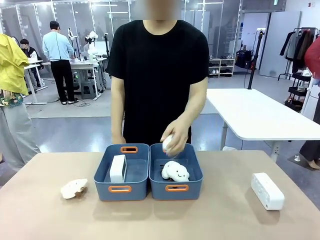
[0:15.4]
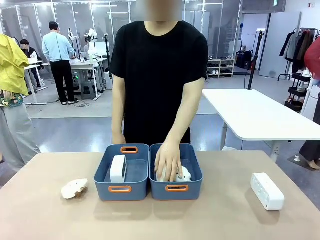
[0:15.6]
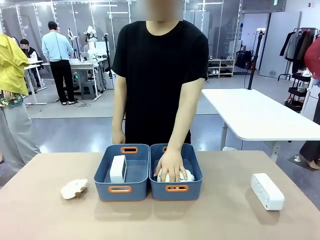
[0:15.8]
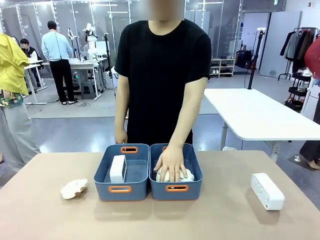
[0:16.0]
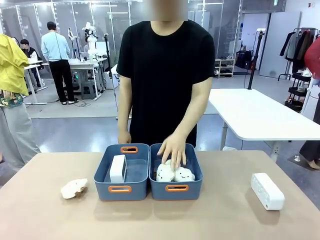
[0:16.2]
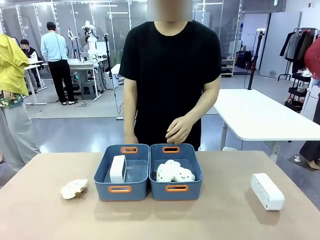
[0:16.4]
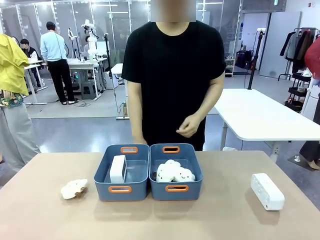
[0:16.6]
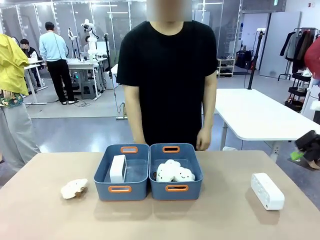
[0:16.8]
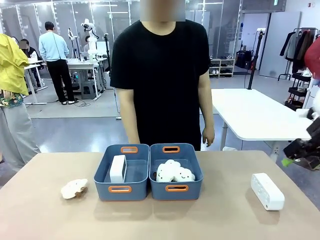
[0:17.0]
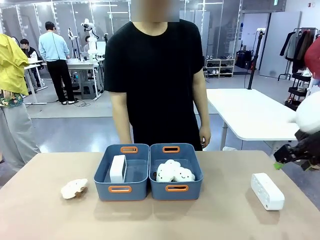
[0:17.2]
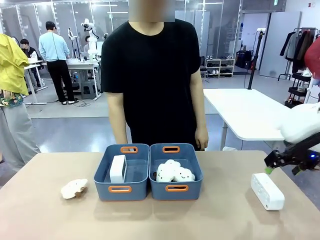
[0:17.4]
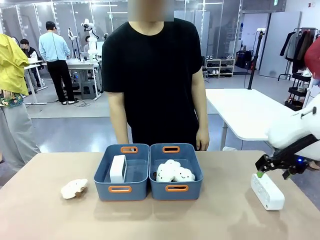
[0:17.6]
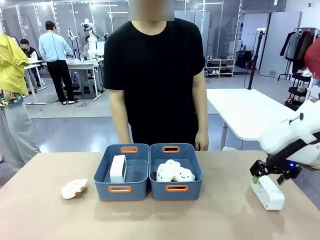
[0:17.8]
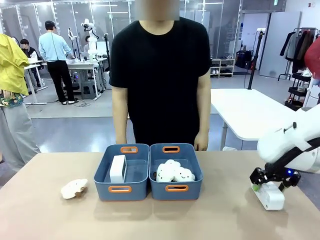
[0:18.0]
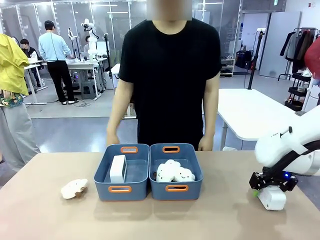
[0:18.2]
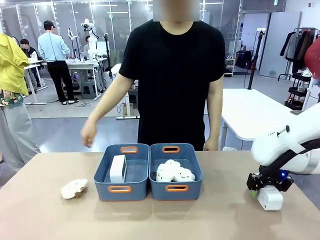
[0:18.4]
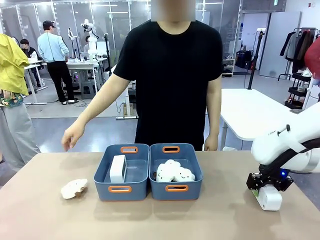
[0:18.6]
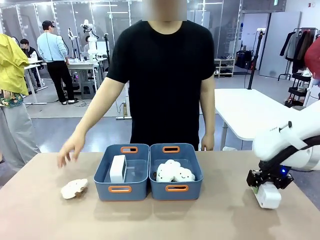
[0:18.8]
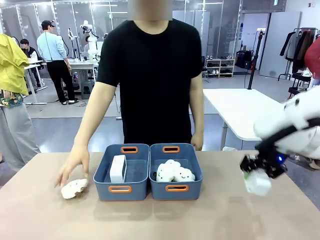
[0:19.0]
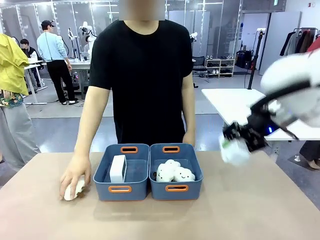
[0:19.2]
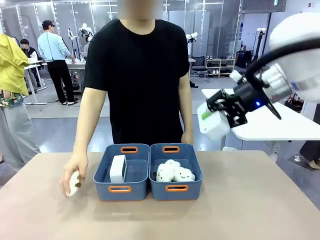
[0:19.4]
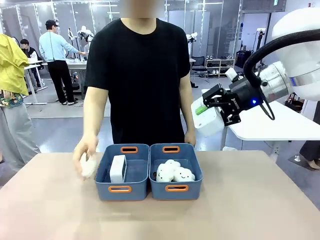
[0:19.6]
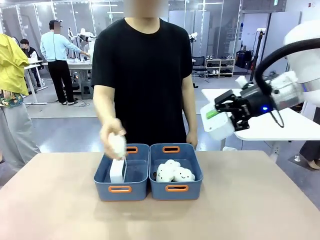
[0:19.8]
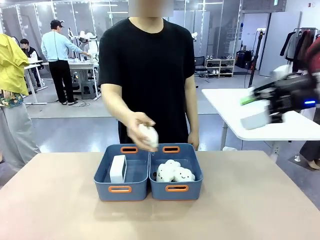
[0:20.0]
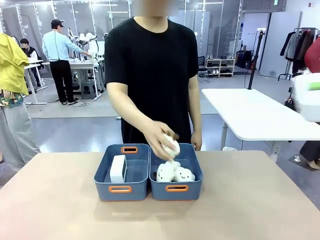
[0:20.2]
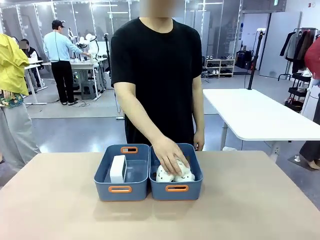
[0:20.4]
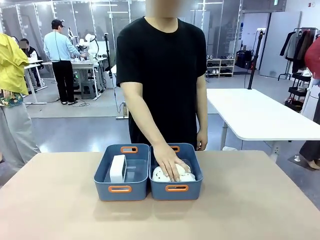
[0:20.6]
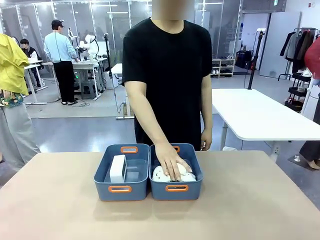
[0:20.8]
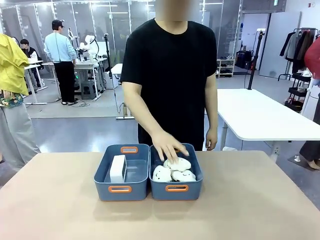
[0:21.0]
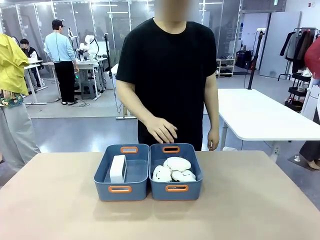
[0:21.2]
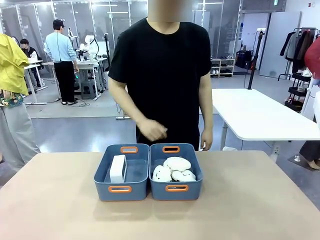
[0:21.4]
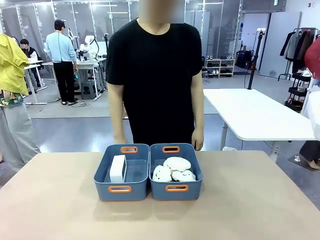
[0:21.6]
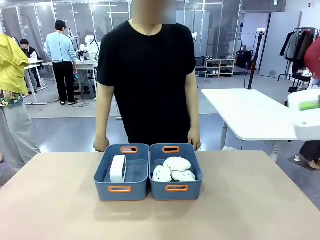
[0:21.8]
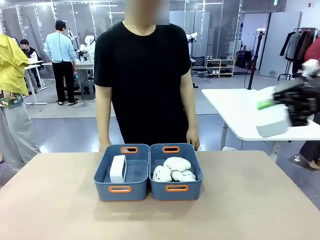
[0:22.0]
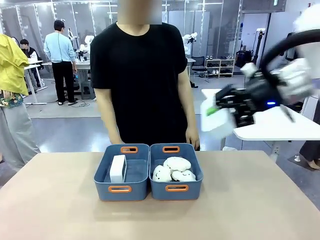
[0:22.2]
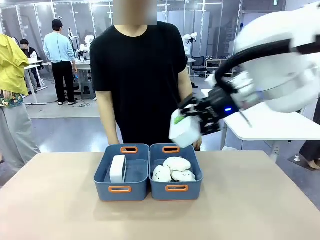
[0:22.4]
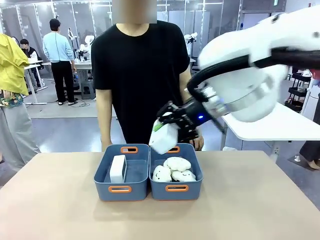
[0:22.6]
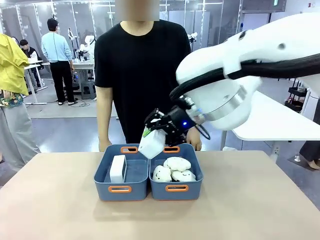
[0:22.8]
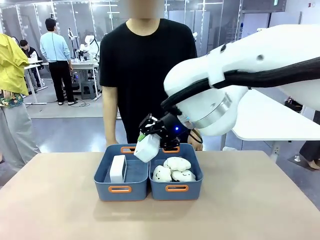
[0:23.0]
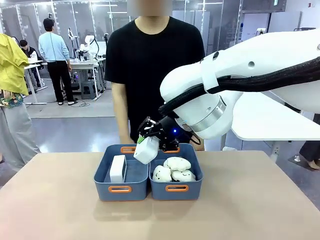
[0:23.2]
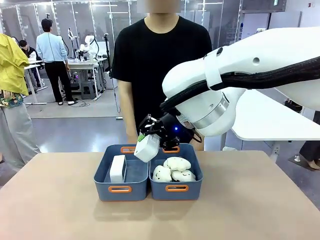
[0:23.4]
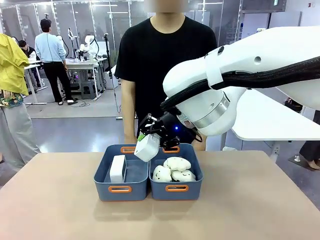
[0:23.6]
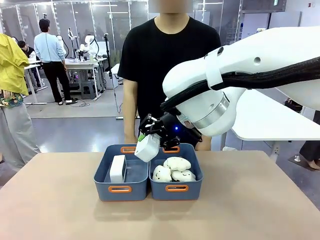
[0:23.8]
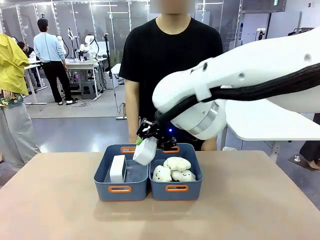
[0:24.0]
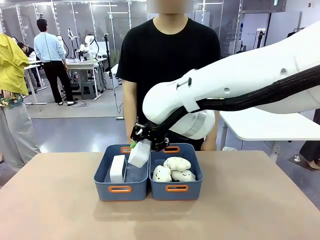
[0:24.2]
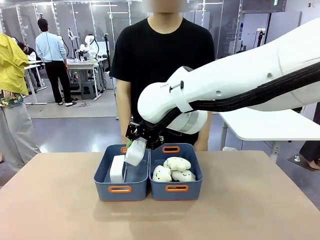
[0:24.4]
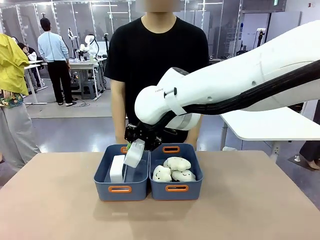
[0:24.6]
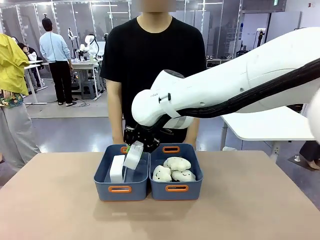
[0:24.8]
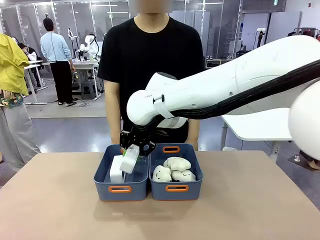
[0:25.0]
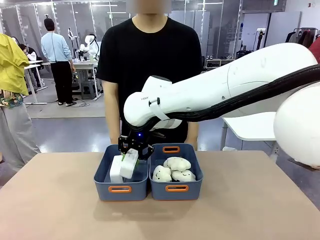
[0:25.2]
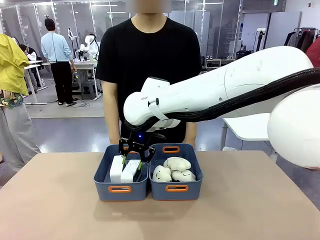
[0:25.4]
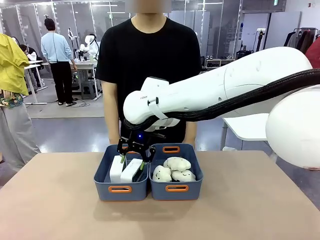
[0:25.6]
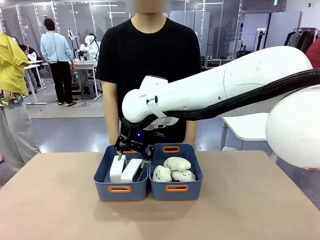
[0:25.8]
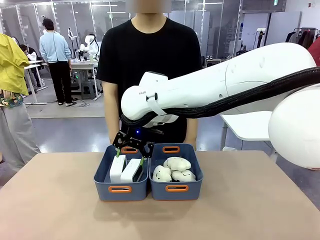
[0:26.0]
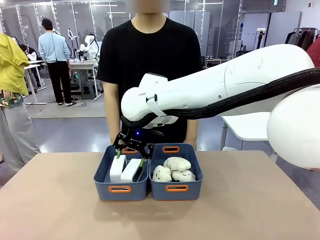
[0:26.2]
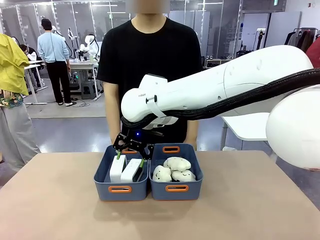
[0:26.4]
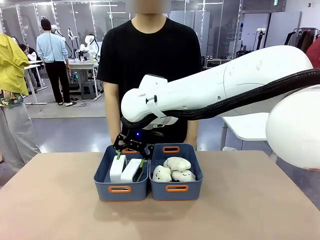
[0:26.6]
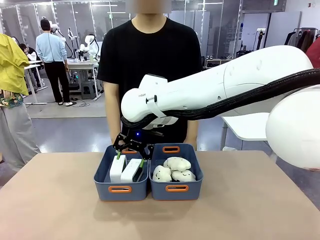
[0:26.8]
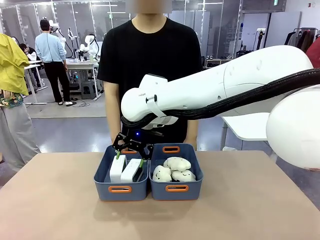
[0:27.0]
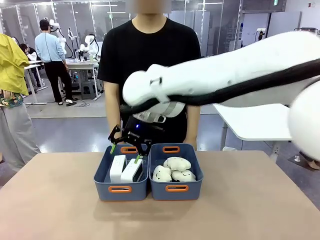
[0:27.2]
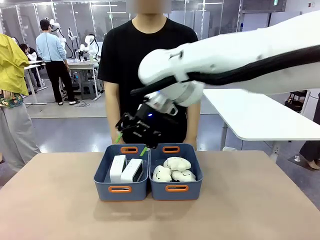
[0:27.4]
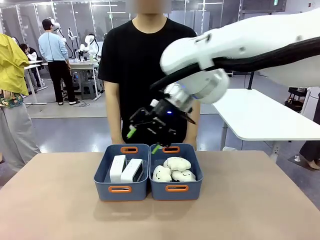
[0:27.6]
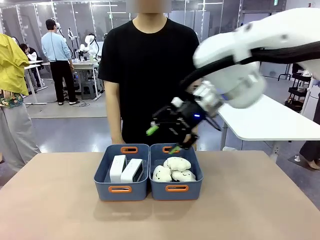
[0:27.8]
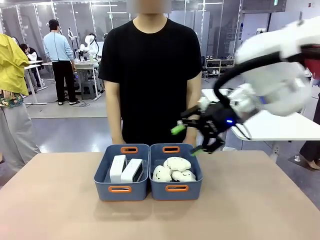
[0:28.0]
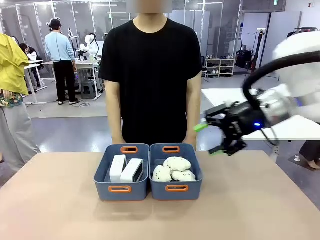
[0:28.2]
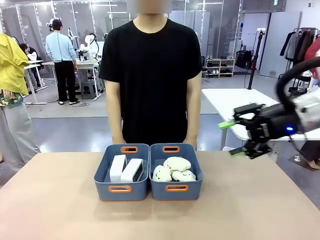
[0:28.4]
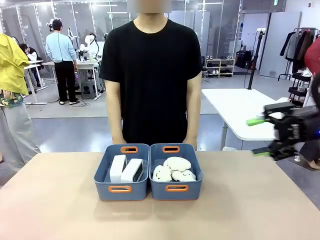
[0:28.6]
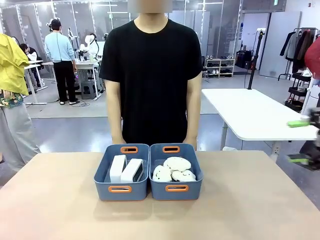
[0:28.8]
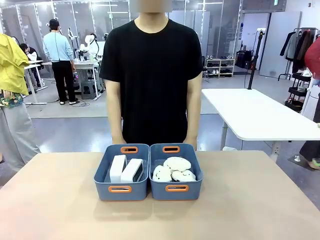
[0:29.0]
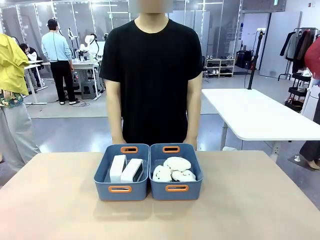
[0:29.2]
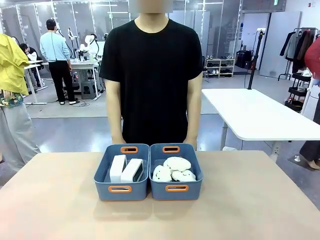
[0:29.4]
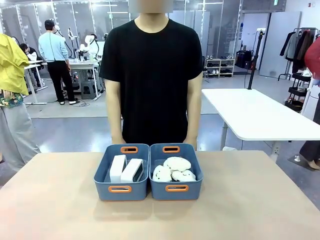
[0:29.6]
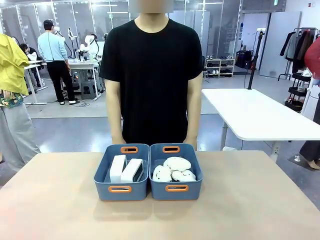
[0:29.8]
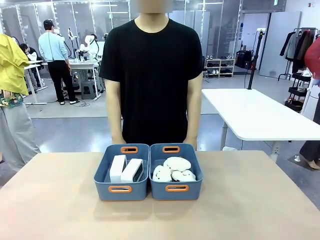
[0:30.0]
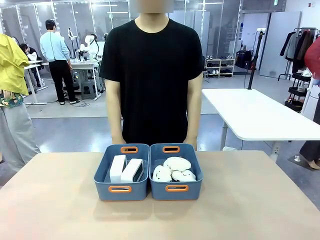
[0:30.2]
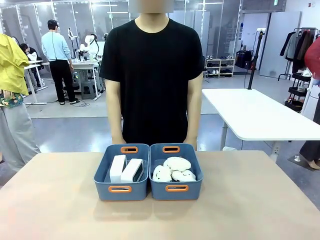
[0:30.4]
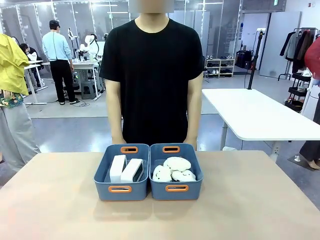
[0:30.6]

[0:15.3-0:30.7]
Task: Sort the digital clocks into the basket.
Robot: Pick up the Digital clock from the table and place it into the empty Plastic storage basket.
Person: Pick up a plush toy from the table and place it in the plastic storage basket containing the plush toy.
